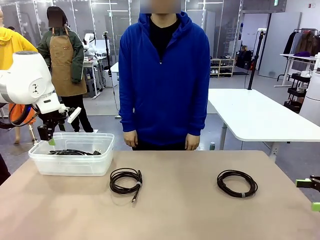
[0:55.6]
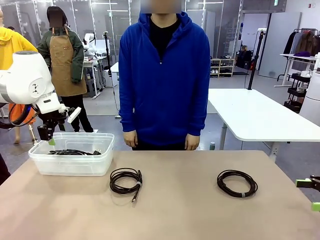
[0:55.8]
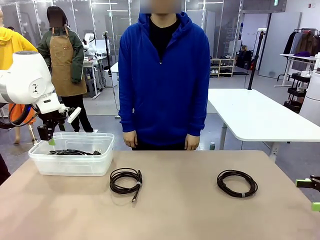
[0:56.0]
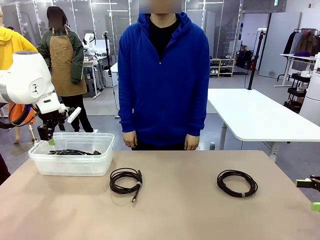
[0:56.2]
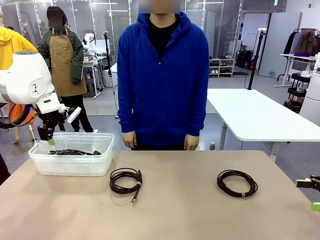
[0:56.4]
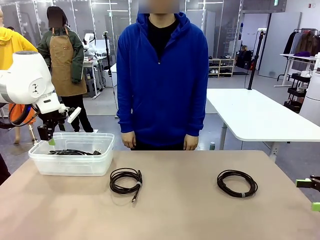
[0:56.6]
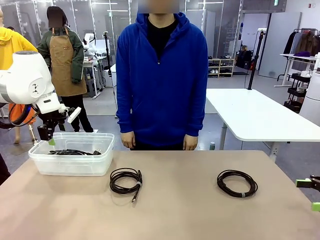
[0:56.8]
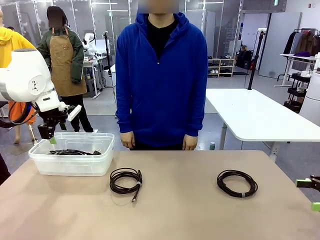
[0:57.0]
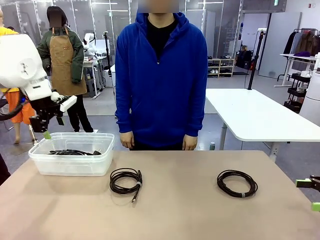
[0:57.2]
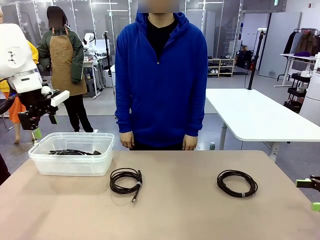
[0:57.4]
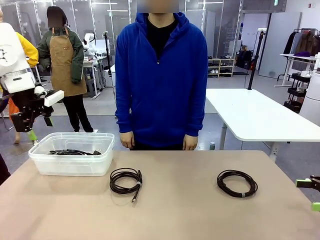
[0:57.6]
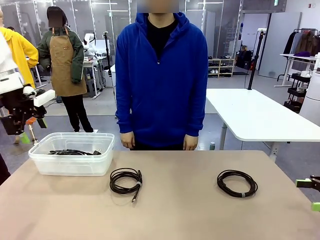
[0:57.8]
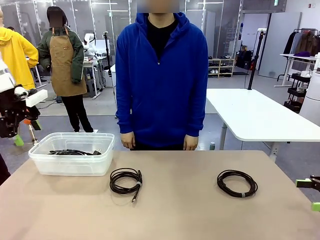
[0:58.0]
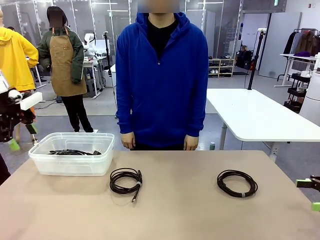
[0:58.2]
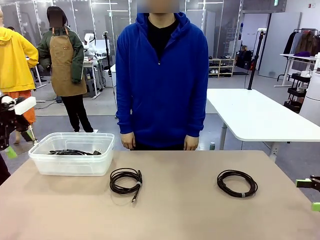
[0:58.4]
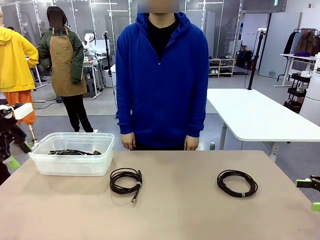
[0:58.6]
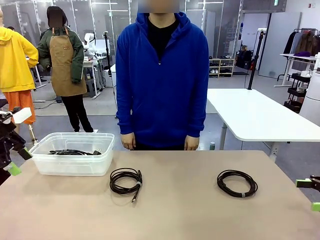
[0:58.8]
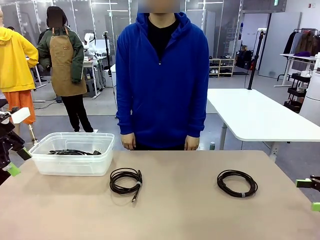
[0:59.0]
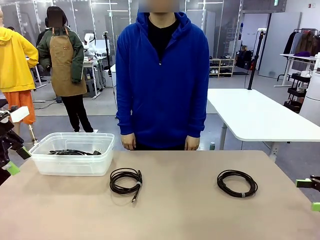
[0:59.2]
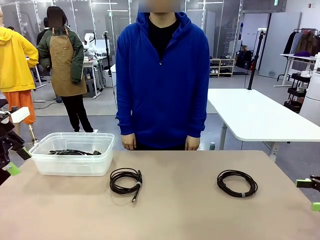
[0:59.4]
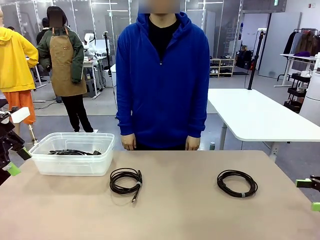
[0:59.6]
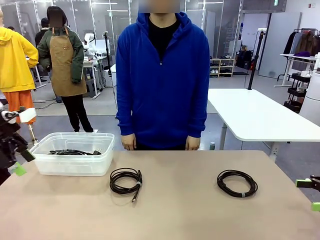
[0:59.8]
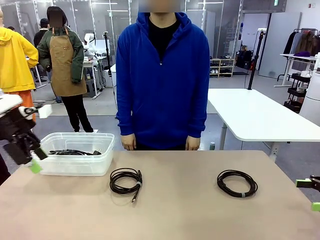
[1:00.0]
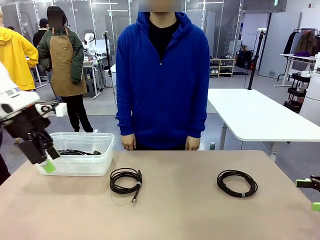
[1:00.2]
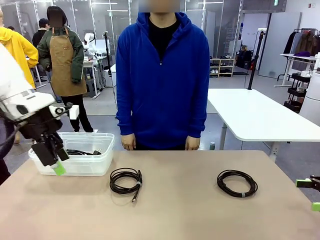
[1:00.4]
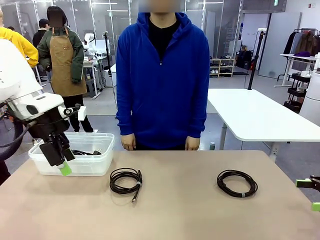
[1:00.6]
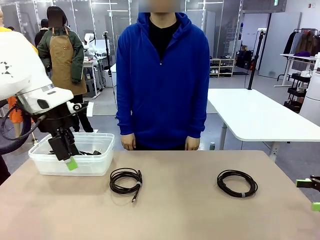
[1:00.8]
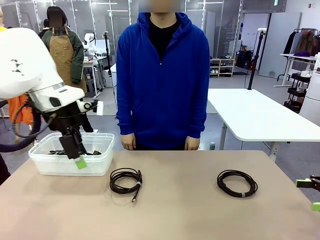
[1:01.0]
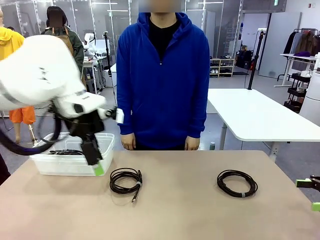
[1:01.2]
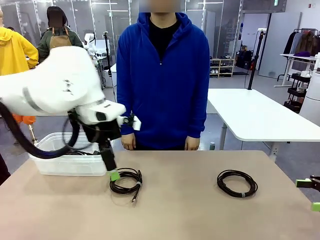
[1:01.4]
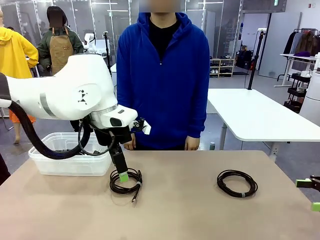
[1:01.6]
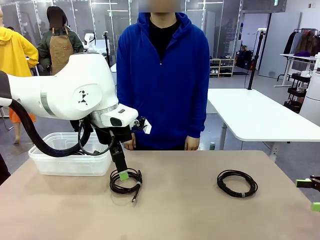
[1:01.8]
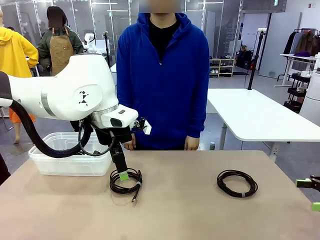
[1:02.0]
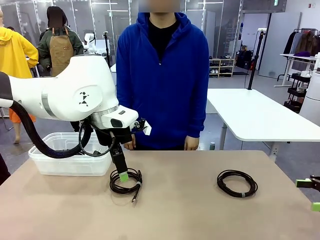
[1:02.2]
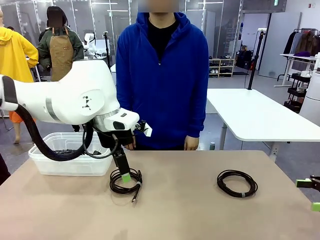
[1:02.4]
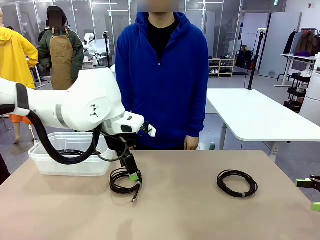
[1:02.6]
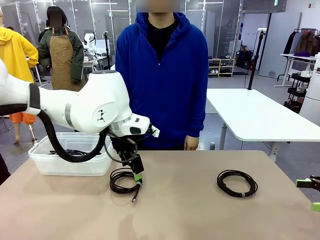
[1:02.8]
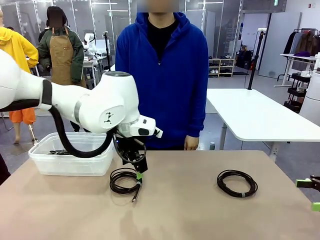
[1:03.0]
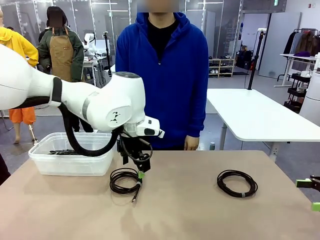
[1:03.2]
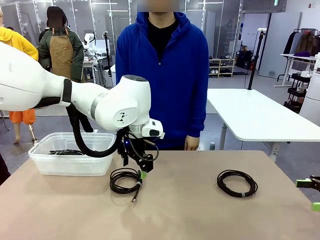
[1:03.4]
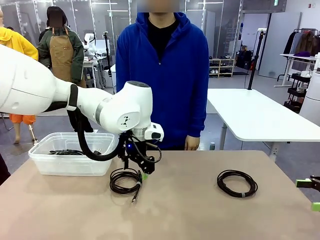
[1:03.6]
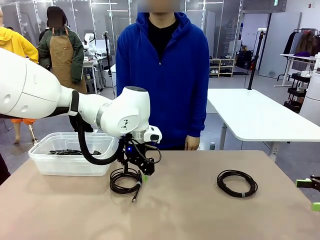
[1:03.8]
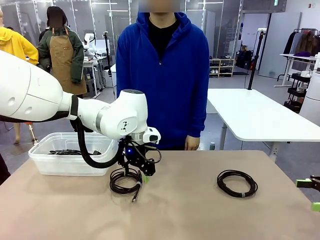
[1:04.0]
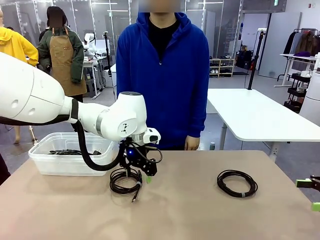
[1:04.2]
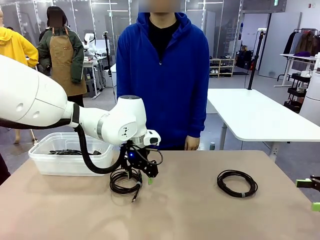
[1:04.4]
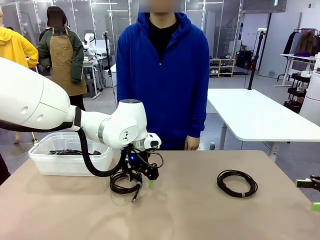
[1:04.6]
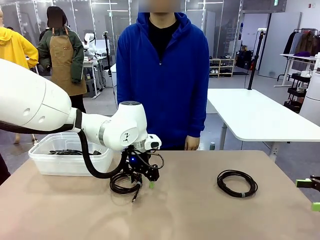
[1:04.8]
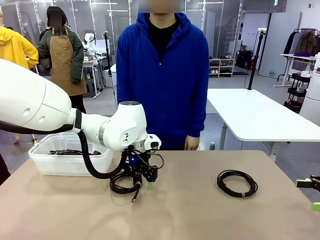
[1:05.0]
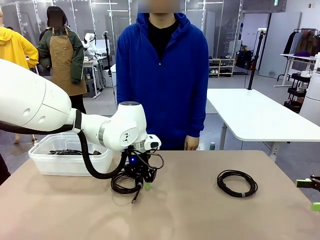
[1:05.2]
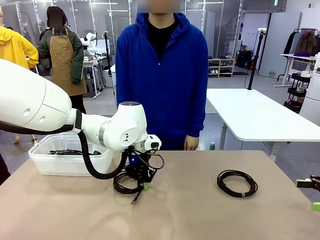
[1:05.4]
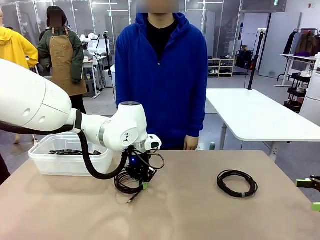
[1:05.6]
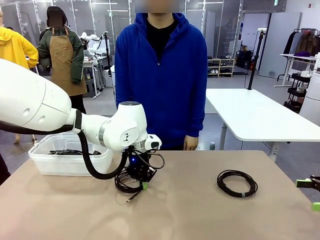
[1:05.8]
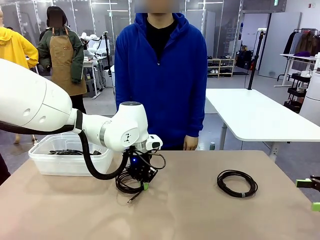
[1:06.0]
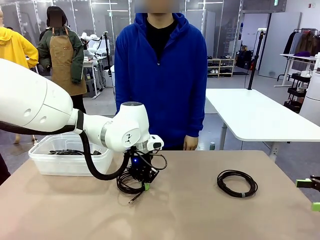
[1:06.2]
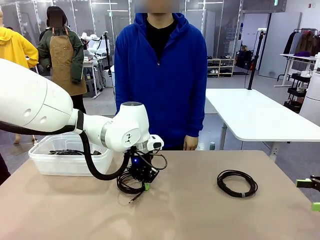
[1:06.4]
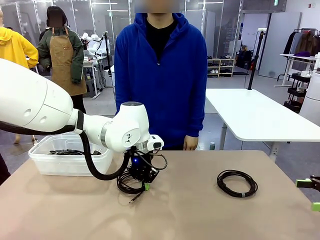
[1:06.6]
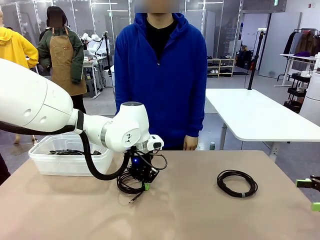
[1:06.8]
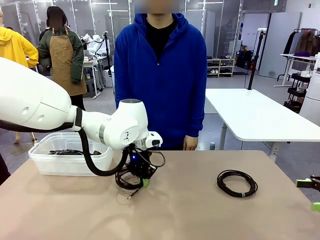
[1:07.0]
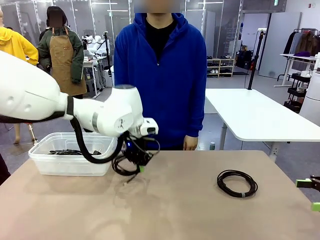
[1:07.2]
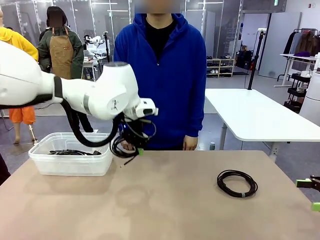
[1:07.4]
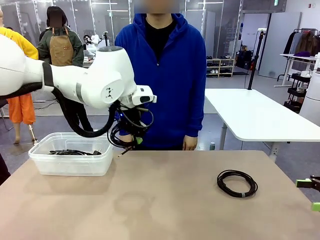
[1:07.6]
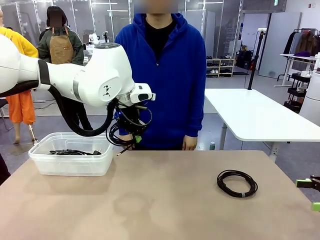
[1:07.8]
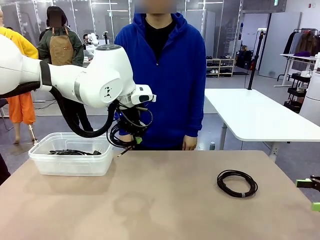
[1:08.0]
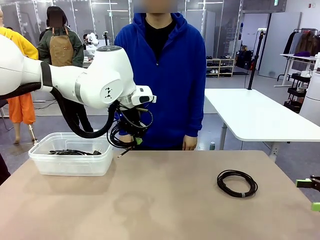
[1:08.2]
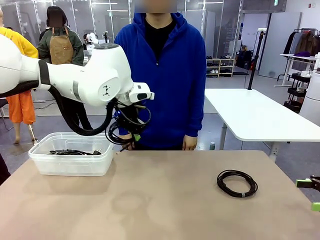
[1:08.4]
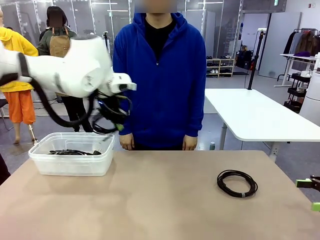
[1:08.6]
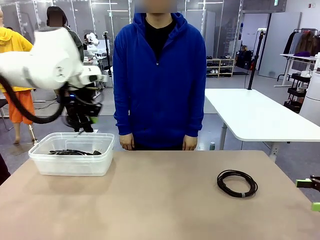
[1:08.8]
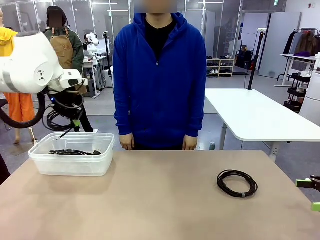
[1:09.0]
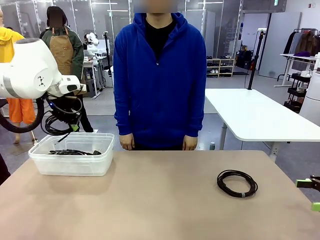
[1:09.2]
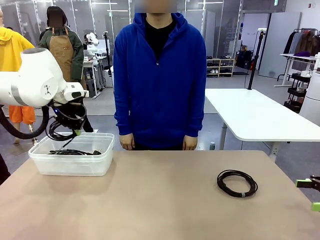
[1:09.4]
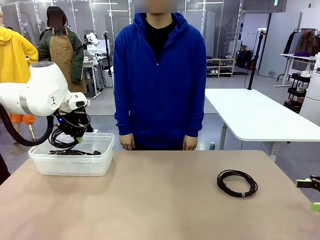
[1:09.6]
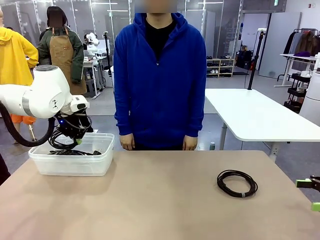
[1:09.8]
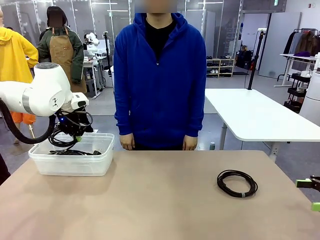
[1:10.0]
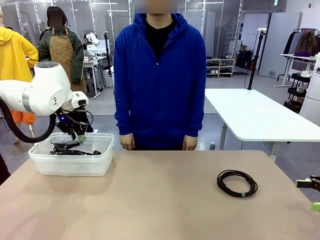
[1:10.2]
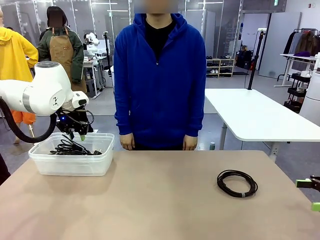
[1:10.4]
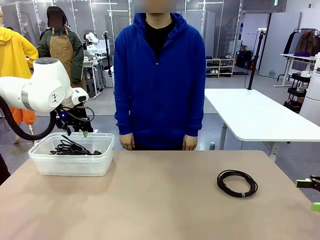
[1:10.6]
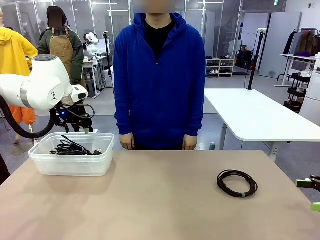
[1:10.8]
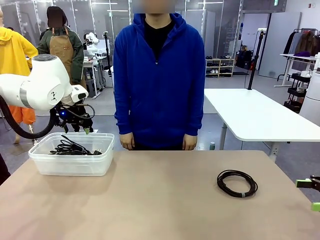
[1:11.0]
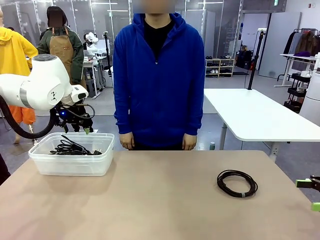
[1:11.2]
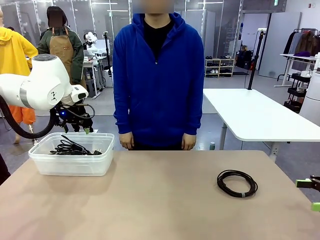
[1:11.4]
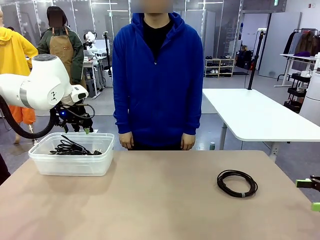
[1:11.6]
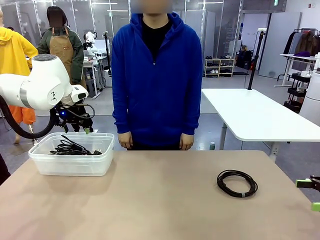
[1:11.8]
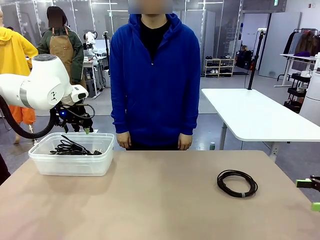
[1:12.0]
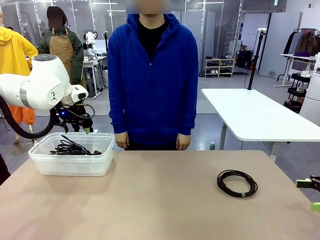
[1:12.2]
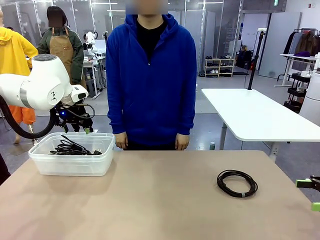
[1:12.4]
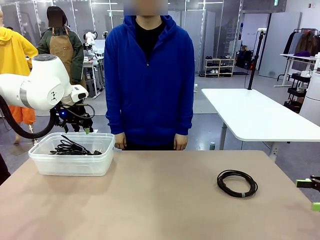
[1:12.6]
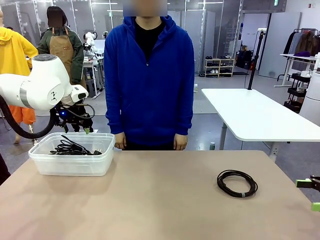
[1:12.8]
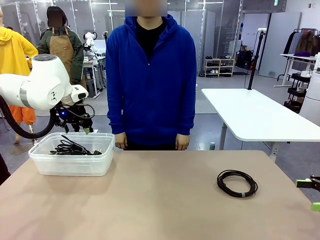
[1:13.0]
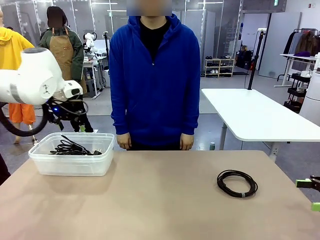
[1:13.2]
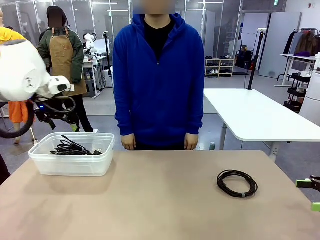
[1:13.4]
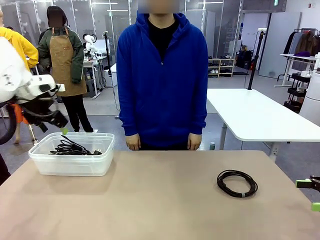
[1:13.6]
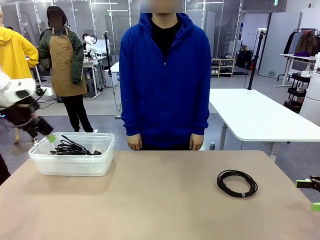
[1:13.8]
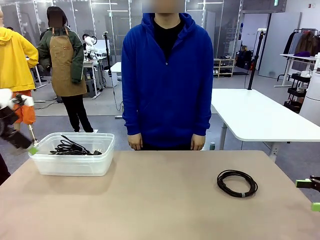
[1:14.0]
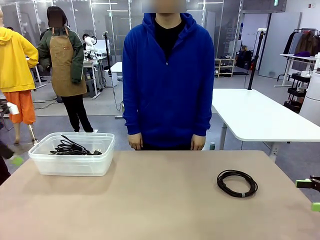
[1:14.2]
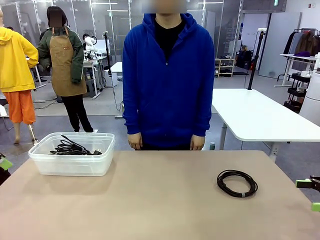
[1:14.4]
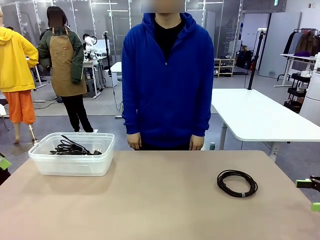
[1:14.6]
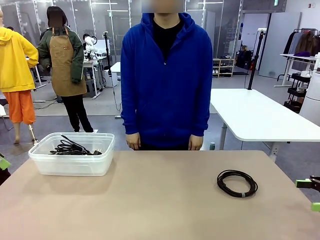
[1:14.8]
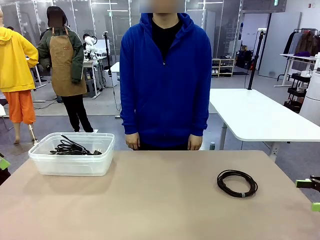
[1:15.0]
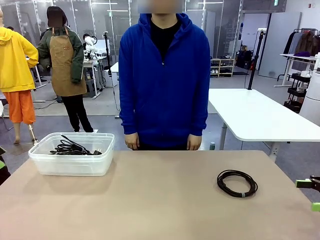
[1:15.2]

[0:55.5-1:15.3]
Task: Organize and store the cables.
Robot: Place the USB Extension Cable into the Organizing box.
